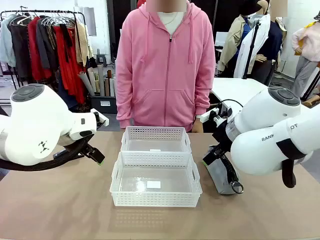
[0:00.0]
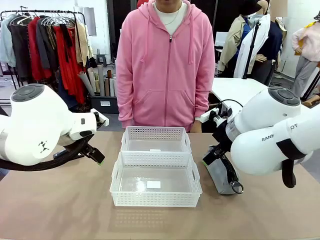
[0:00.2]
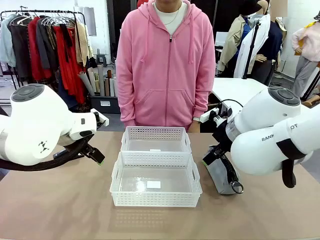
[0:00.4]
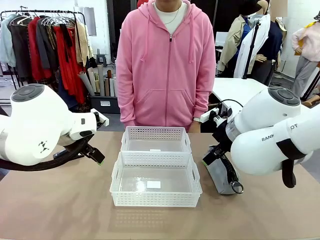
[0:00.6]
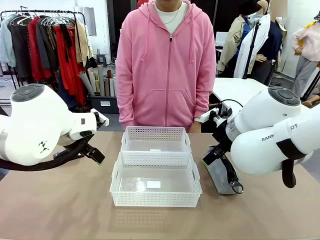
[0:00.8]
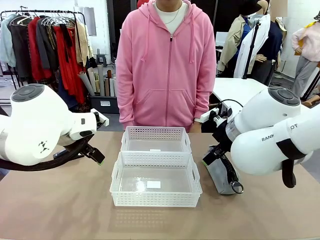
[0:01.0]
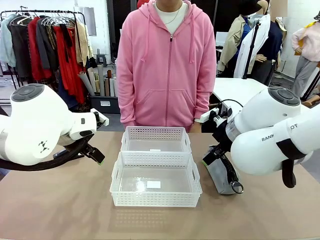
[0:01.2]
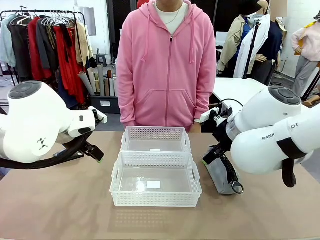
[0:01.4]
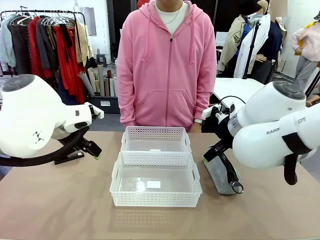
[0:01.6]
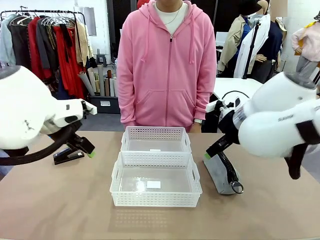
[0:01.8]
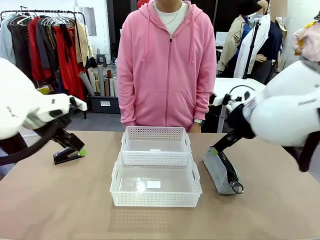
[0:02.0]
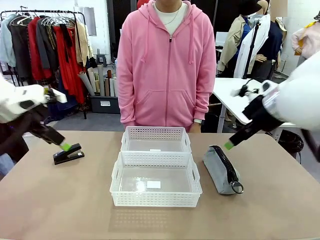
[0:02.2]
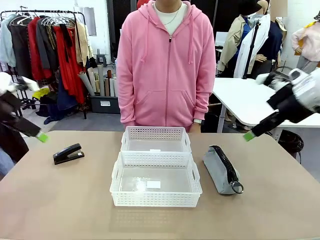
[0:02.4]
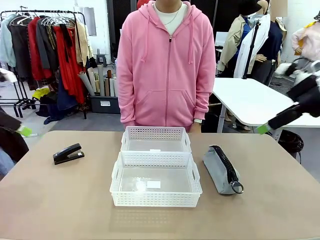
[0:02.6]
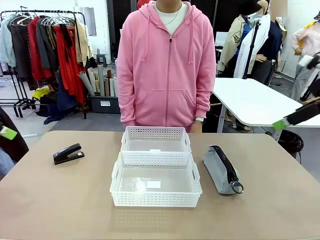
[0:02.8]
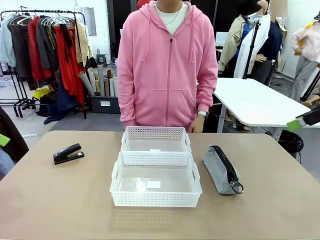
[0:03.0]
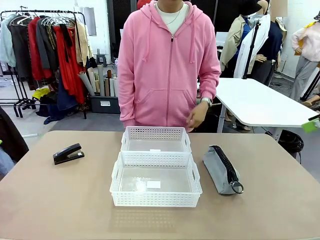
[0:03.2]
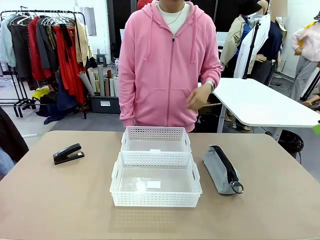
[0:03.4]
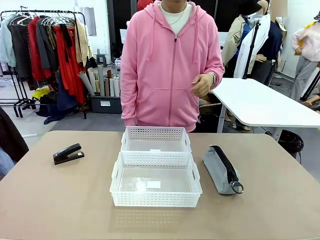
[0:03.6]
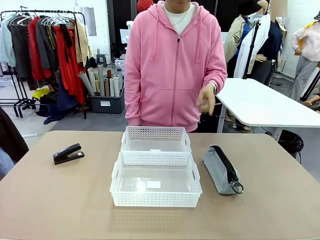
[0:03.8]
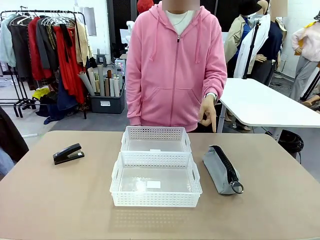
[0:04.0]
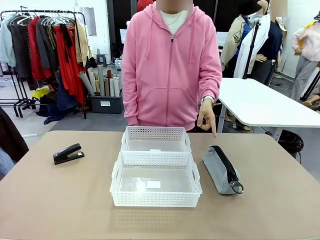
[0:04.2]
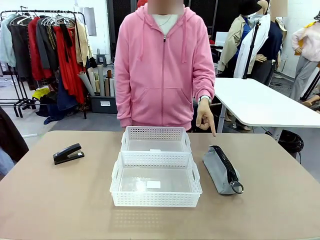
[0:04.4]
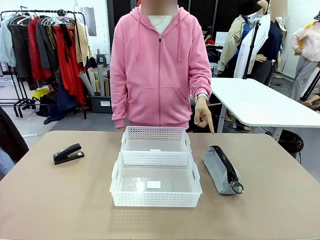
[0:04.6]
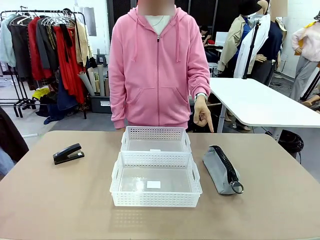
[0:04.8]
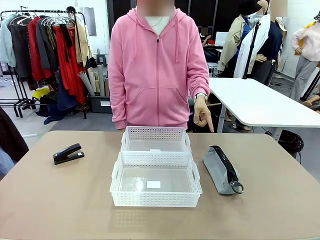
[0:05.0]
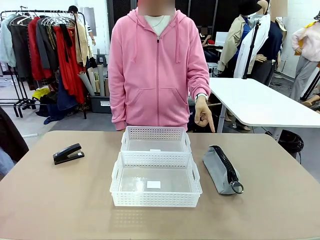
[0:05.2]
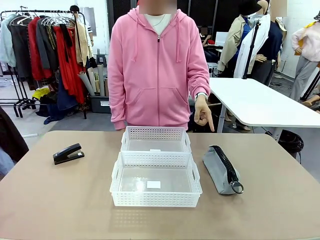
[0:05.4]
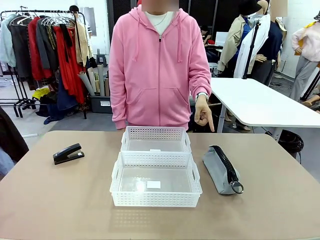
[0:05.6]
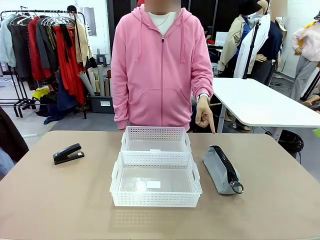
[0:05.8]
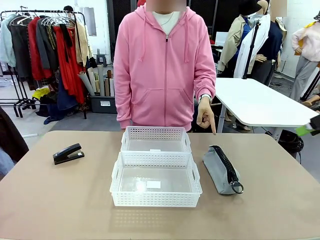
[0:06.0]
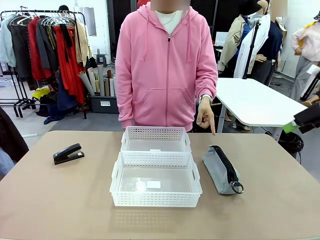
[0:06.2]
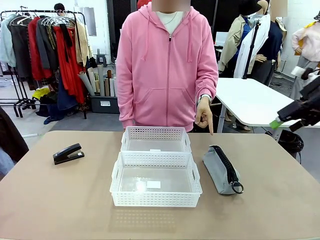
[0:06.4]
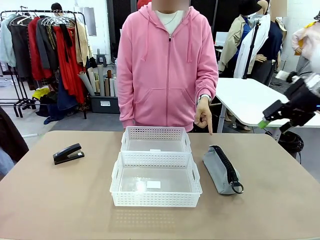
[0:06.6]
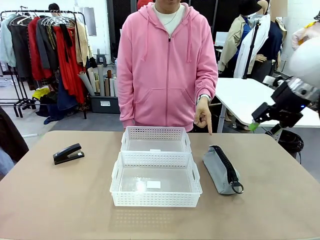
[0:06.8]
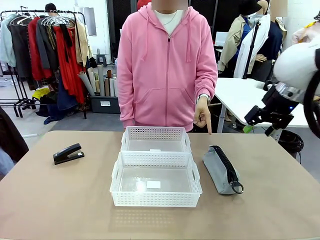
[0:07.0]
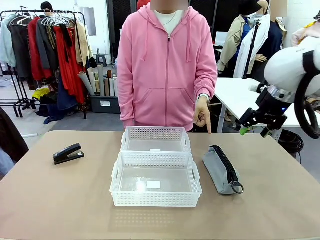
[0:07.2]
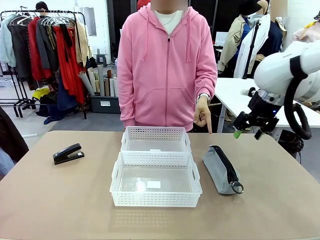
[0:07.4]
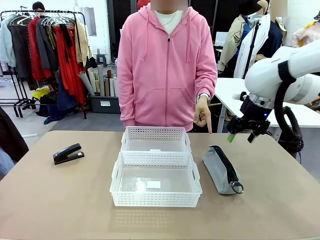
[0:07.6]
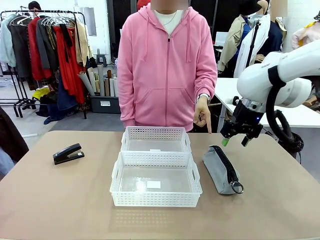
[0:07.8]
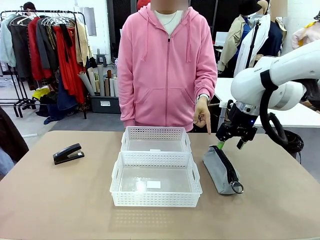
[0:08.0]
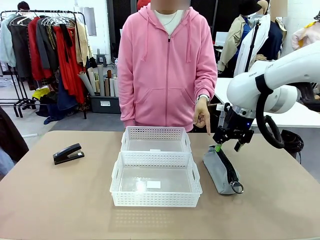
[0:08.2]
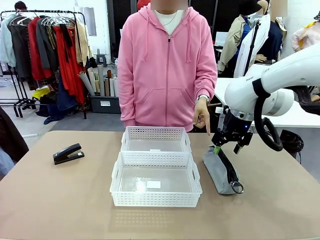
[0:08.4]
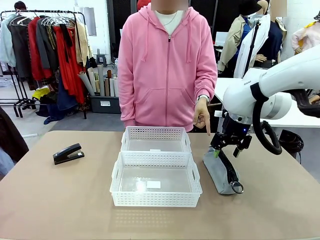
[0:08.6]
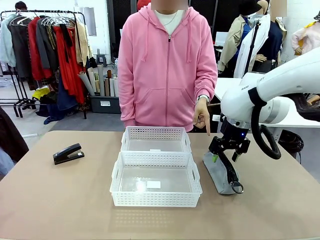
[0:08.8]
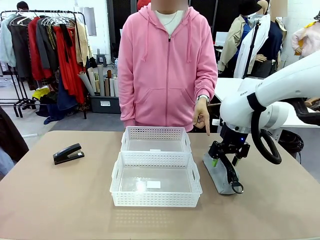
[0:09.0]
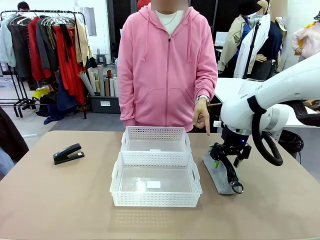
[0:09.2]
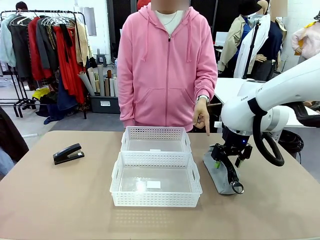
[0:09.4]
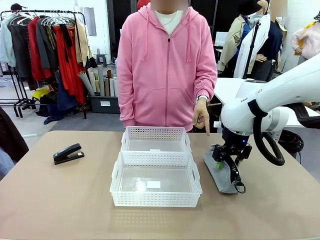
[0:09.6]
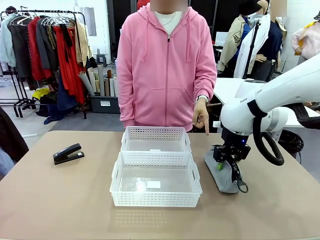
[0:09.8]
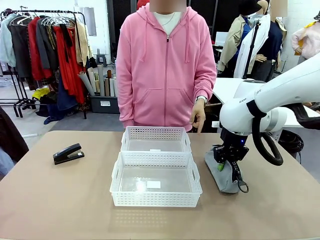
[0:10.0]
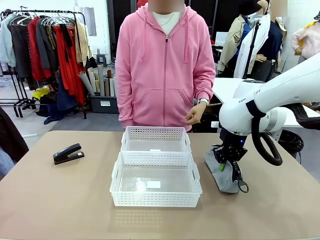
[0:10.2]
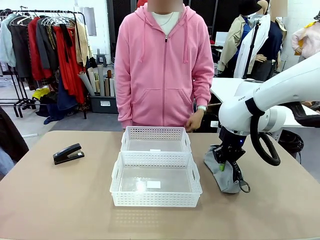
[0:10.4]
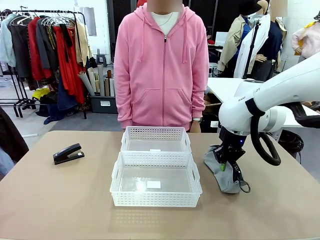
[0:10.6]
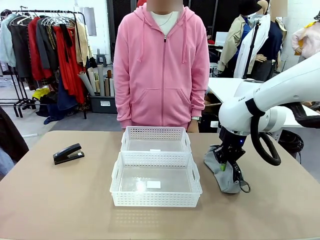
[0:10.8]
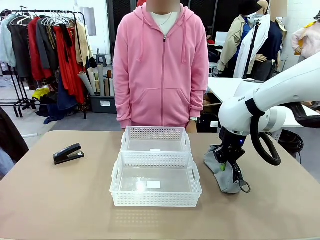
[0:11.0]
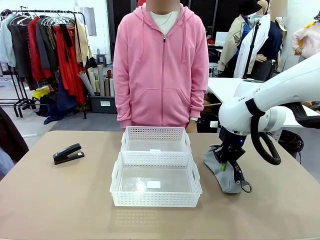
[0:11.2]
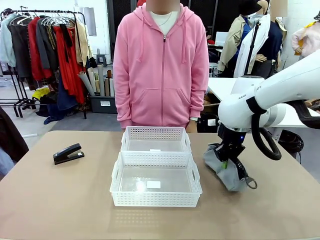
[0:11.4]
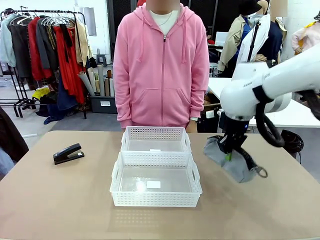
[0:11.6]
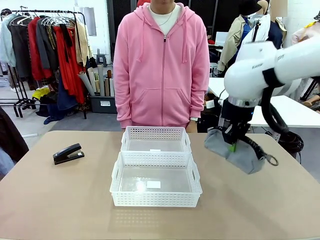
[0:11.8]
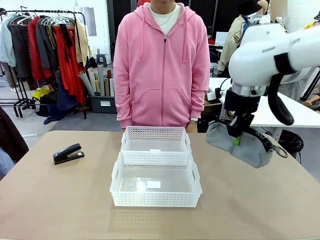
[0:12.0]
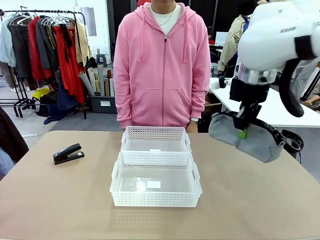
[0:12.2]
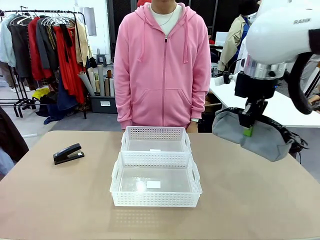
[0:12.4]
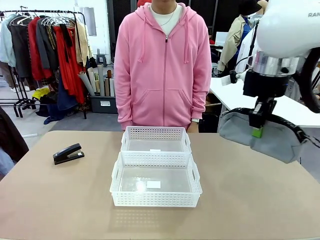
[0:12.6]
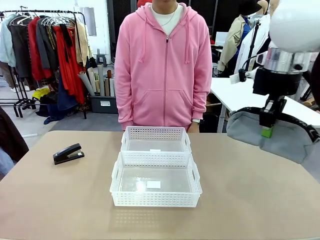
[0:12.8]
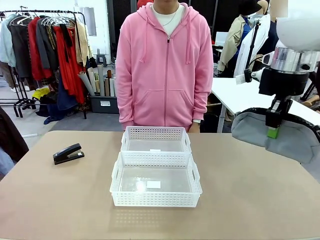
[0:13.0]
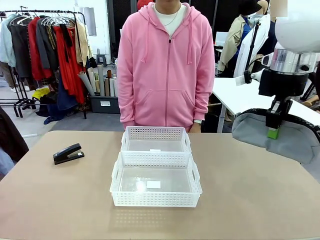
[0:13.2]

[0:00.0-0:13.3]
Task: Distribute items into two baskets.
Robot: Pick up the Pencil pouch that the person points to.
Person: Points to the pencil case. Points between the two organizing baskets and instructs the robot to move the pencil case.

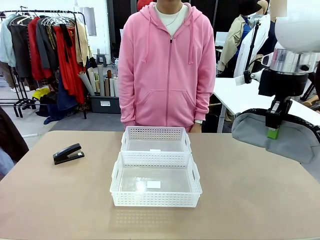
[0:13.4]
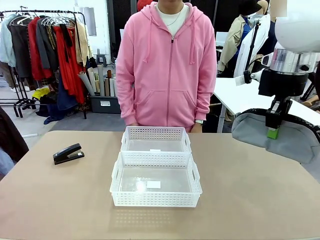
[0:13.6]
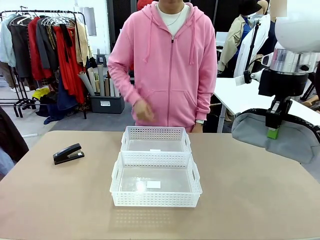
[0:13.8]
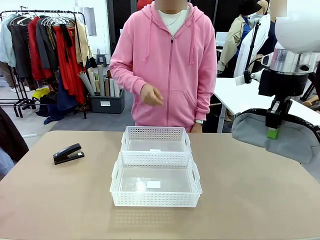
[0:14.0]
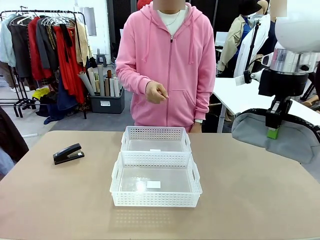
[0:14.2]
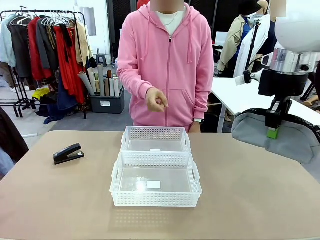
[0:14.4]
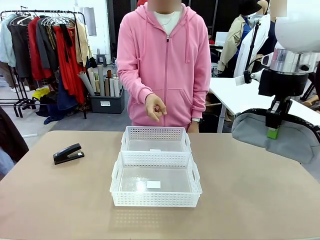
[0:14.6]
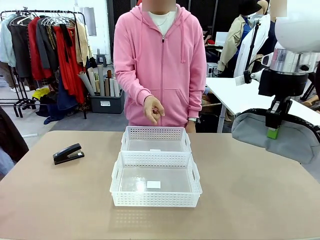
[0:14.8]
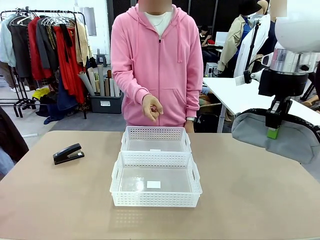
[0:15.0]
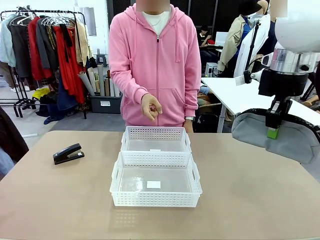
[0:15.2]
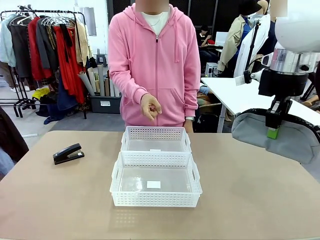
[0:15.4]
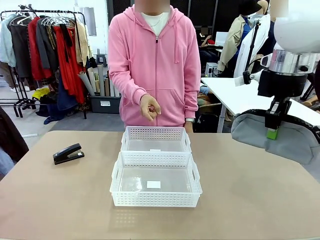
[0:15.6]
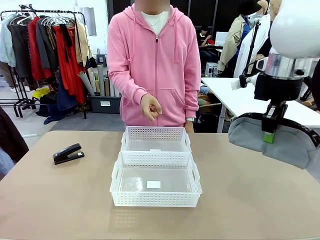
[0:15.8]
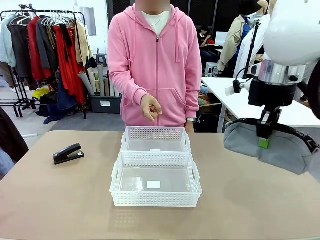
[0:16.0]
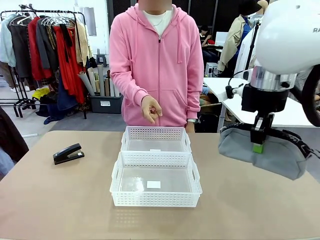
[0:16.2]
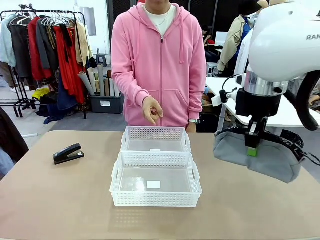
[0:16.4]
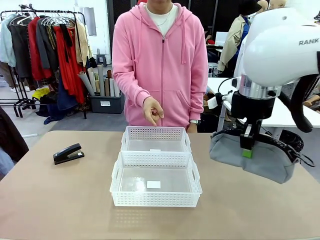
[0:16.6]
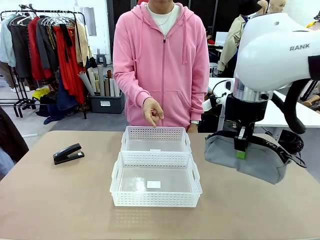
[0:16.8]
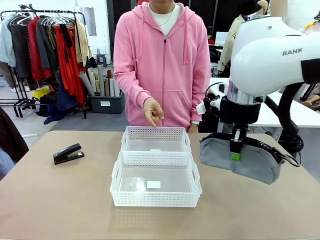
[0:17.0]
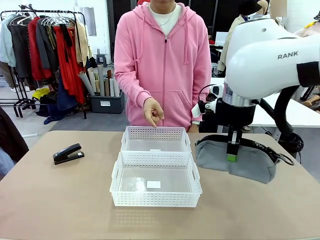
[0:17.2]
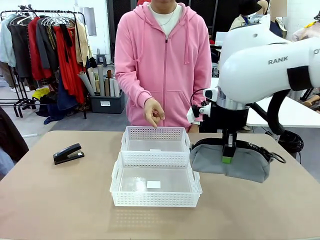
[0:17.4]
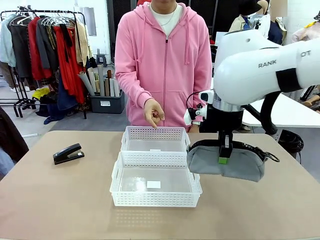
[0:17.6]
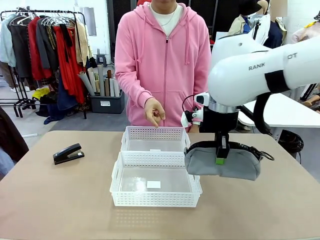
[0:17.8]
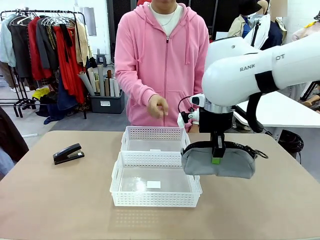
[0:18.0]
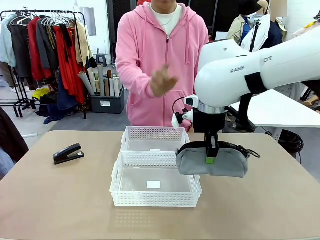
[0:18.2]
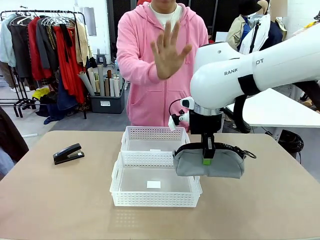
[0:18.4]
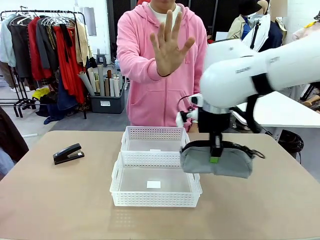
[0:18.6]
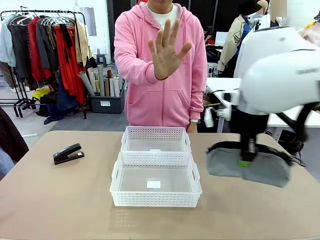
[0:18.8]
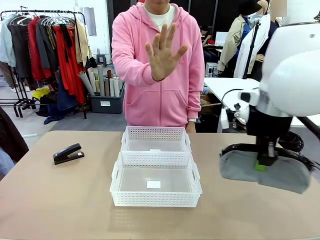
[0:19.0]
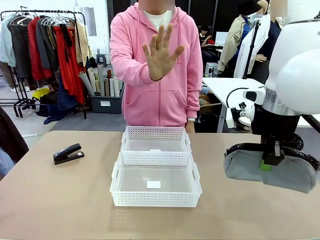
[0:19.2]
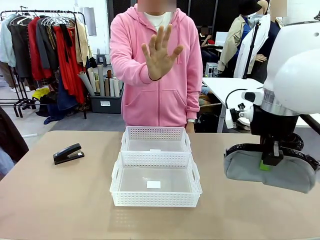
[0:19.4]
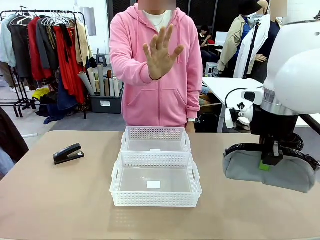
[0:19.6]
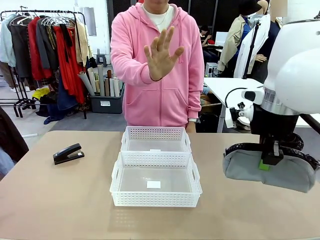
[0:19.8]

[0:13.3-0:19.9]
Robot: Move the picked Pencil pouch towards the Organizing basket indicated by the person, stopping as directed.
Person: Sends a stop gesture before the robot places the pencil case into the basket.
